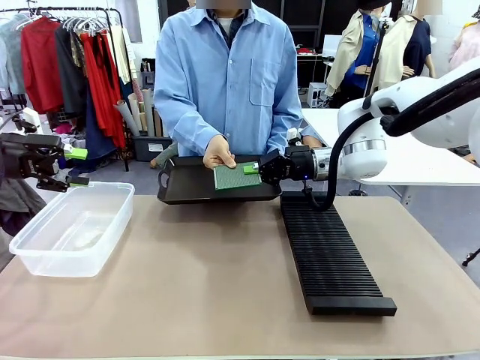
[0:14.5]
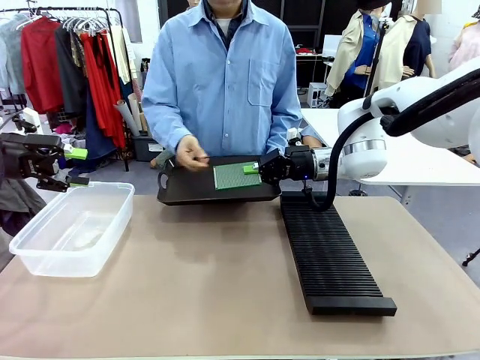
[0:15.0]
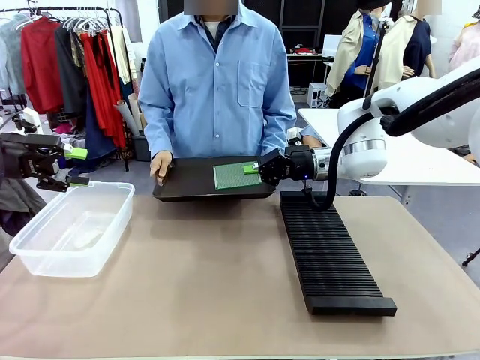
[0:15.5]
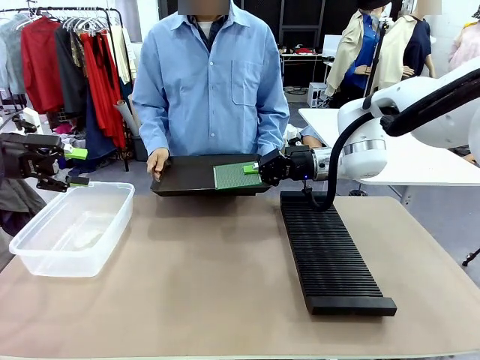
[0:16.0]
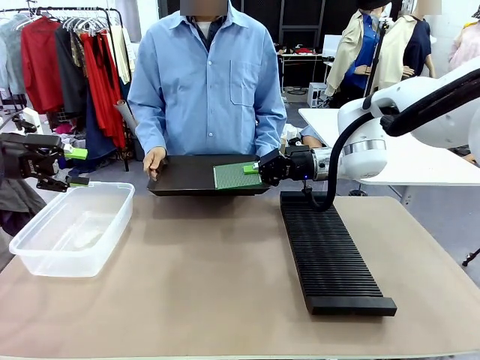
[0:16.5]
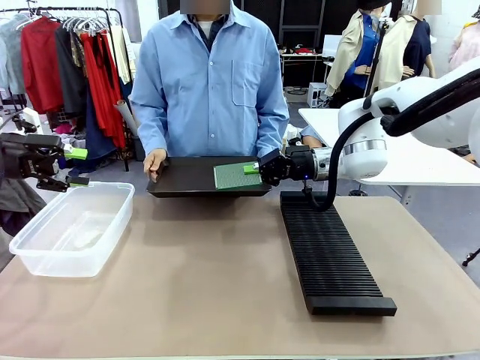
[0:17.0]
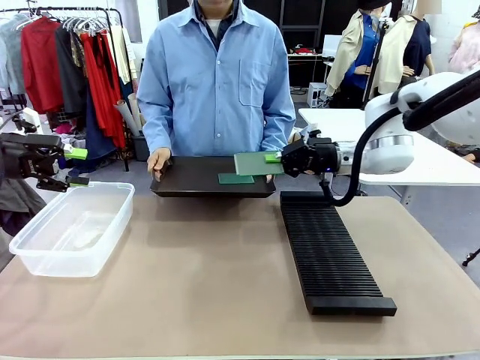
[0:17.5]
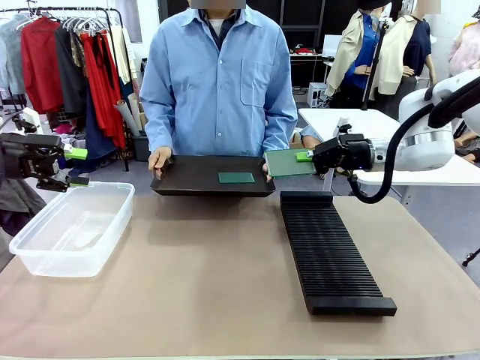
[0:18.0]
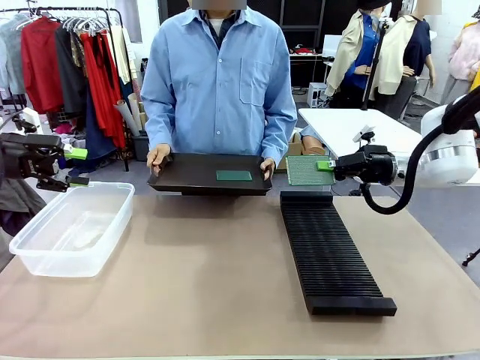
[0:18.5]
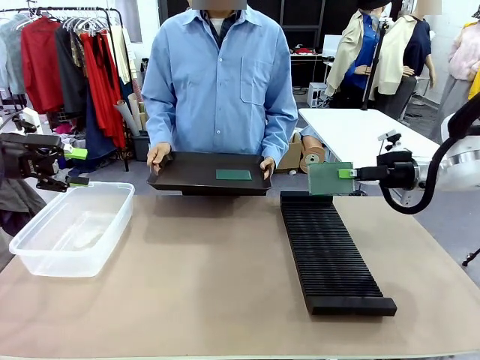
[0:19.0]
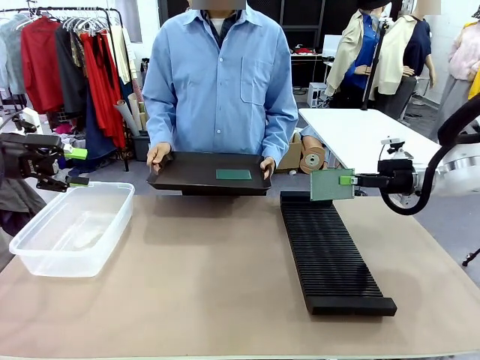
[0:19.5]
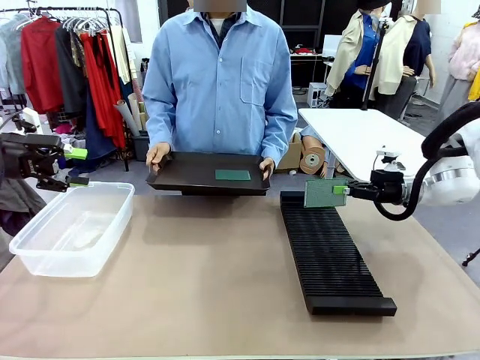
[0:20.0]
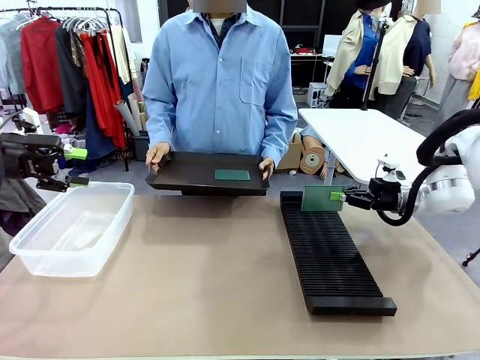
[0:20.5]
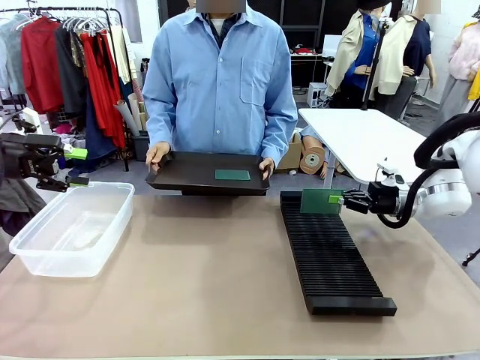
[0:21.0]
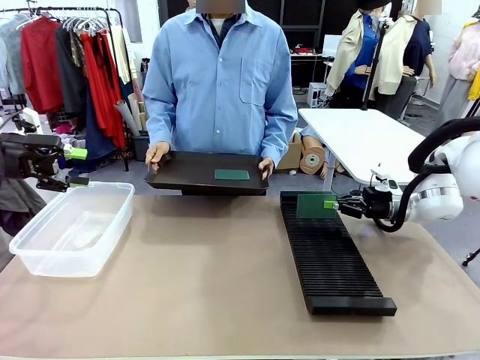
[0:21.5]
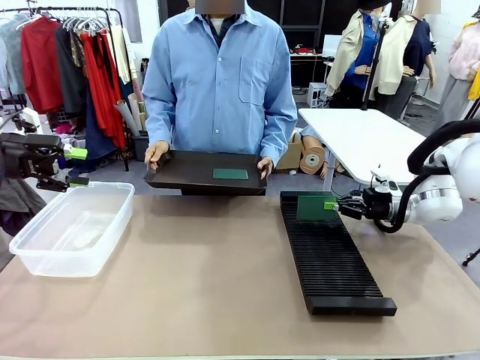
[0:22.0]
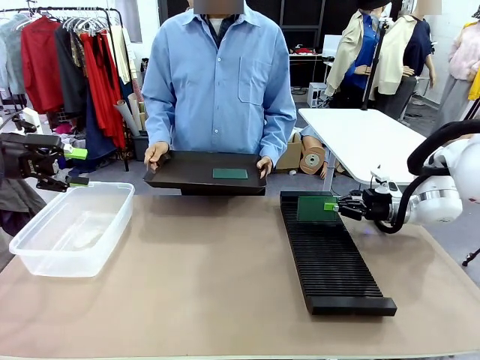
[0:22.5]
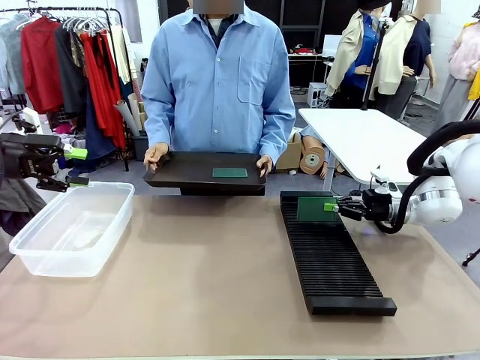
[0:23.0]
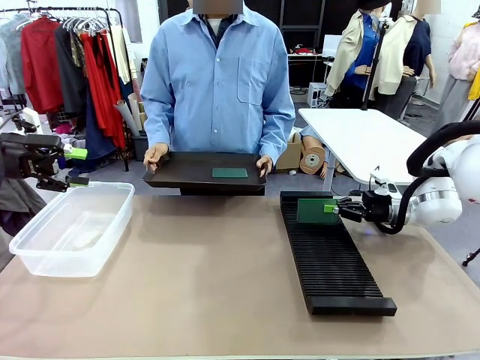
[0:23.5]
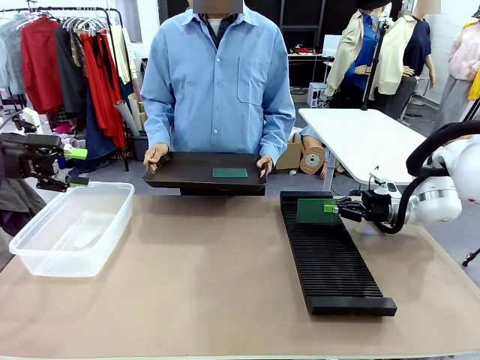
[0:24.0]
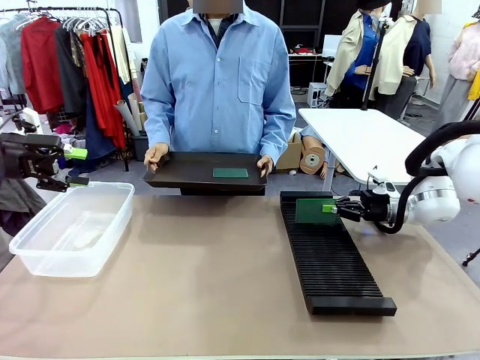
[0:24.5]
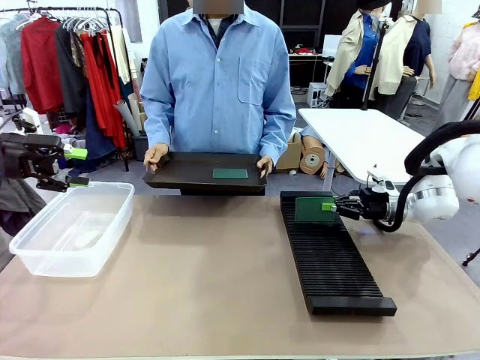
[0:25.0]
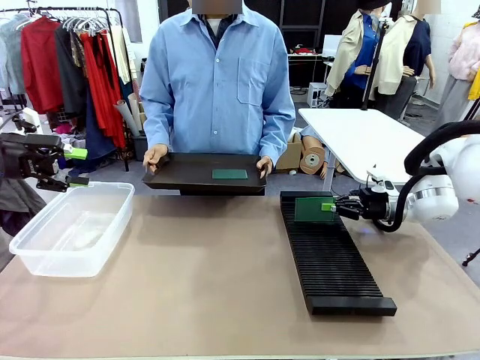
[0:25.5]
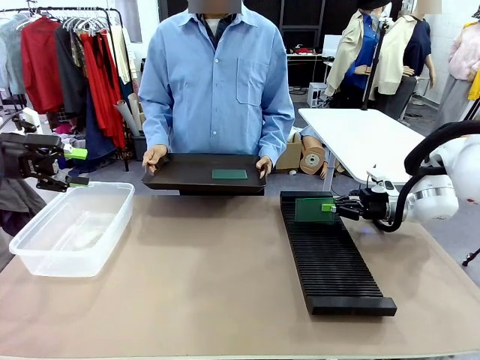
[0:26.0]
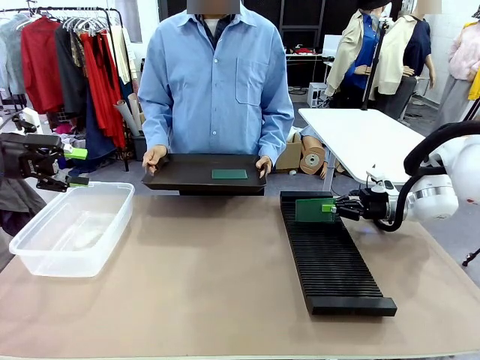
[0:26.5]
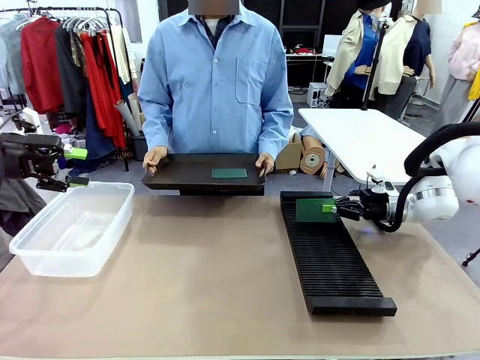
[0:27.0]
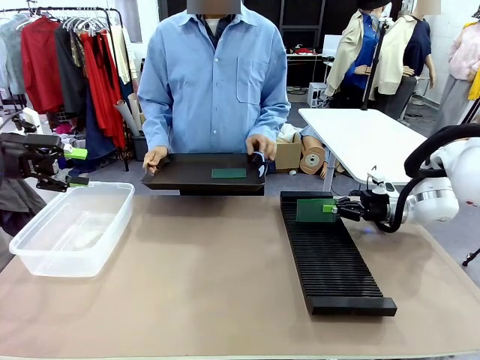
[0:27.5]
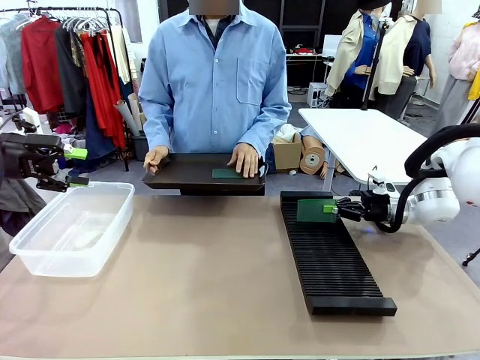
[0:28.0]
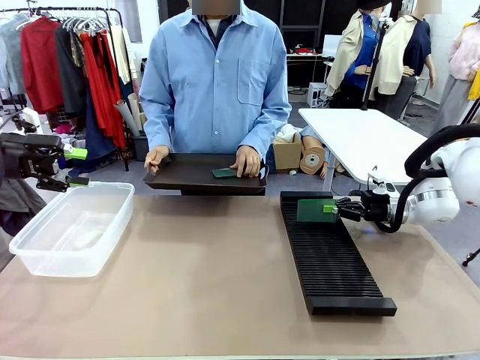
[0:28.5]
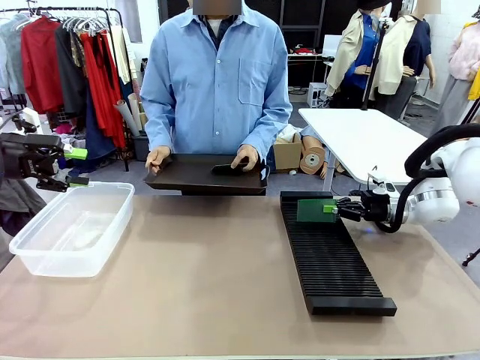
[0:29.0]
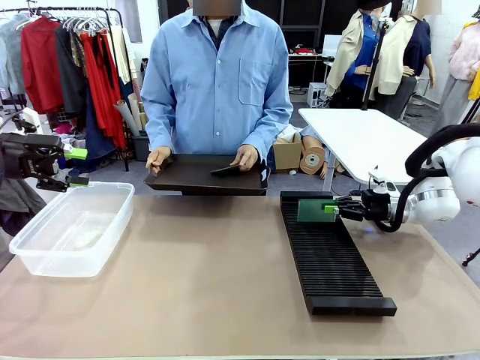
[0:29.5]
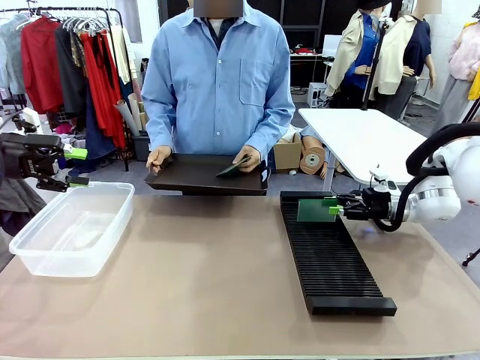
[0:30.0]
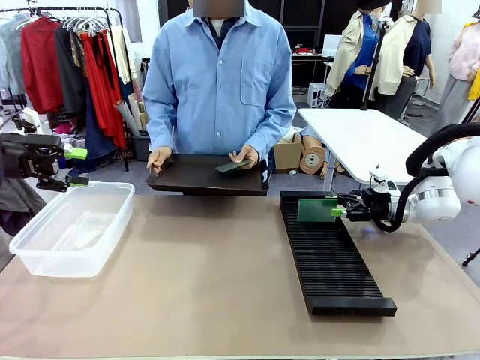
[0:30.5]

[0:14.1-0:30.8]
Task: Sort PCBs into racks and boxes based on the side picked up.
Robot: If the short side of the Blank PCB is picked up, insert it into the PCB Rack ; if the long side is picked up, place it in the Organizing box.
Person: Pick one PCB from the tray and present it to the robot.

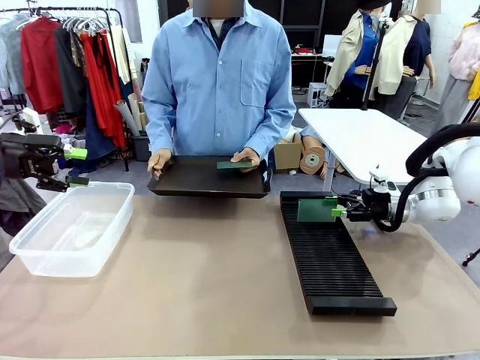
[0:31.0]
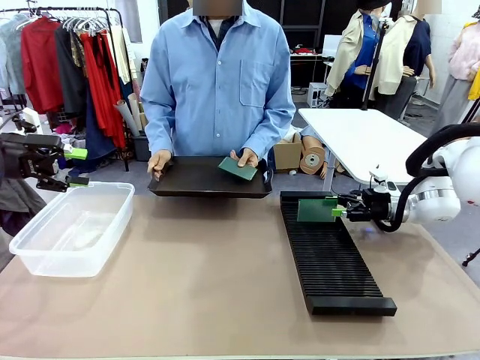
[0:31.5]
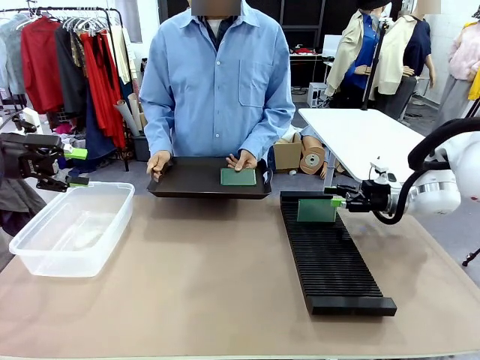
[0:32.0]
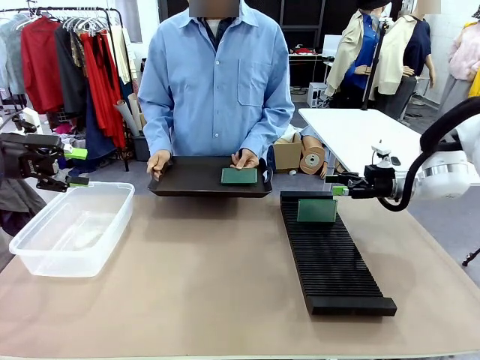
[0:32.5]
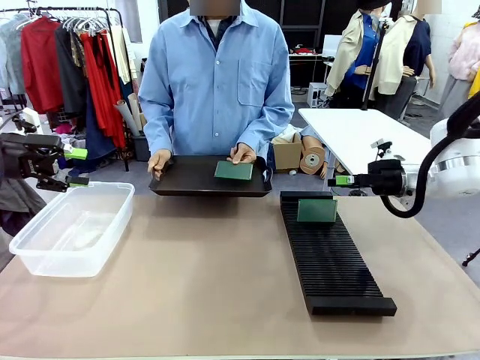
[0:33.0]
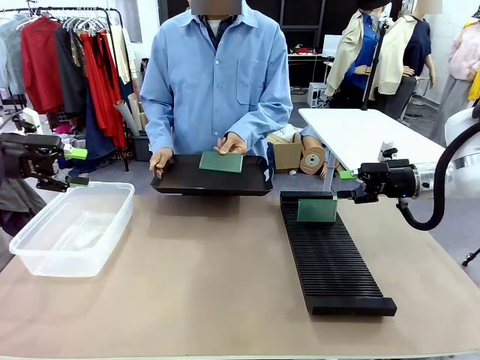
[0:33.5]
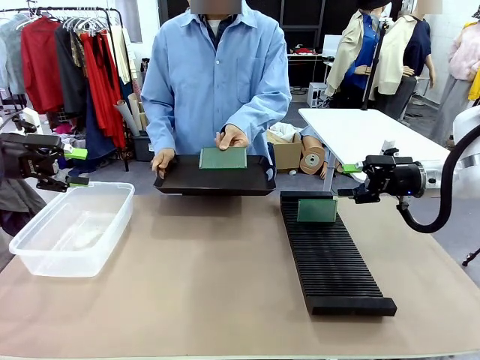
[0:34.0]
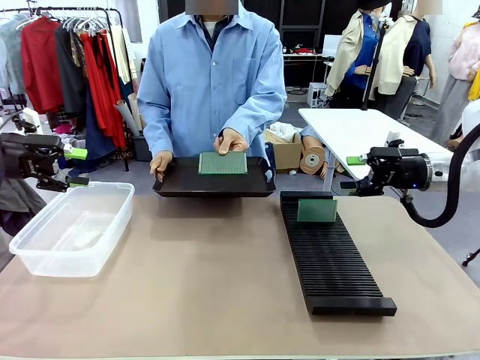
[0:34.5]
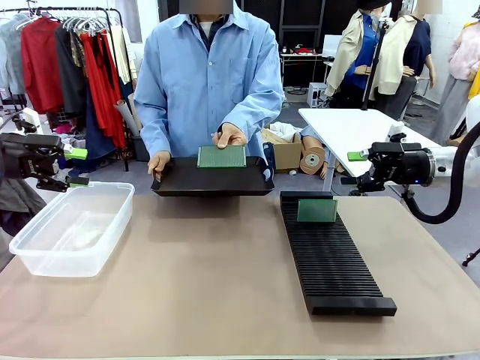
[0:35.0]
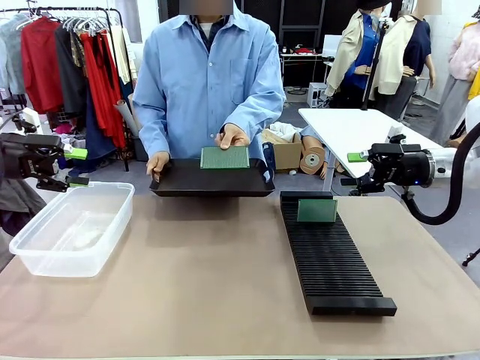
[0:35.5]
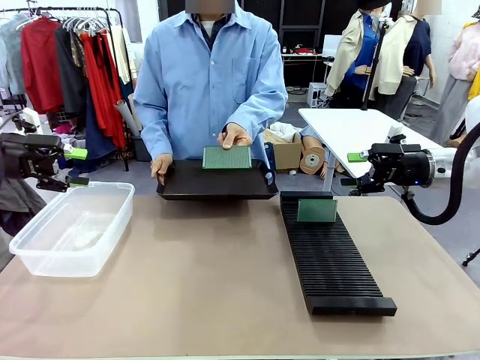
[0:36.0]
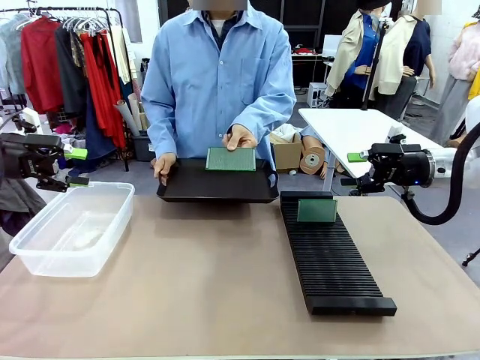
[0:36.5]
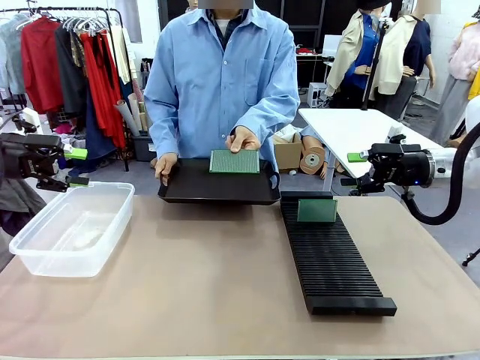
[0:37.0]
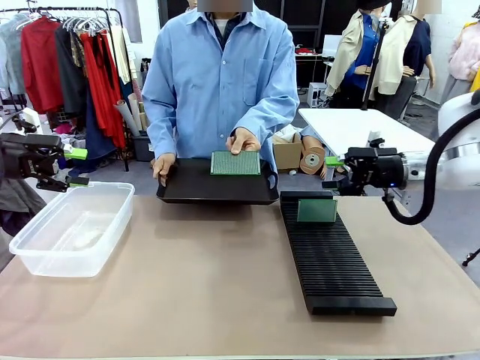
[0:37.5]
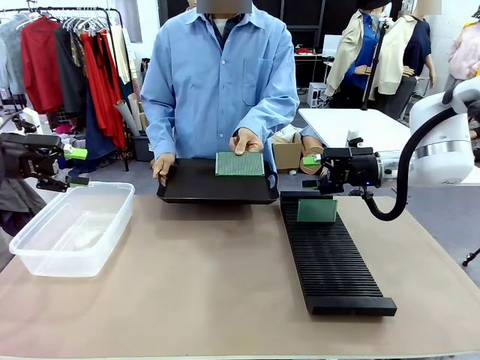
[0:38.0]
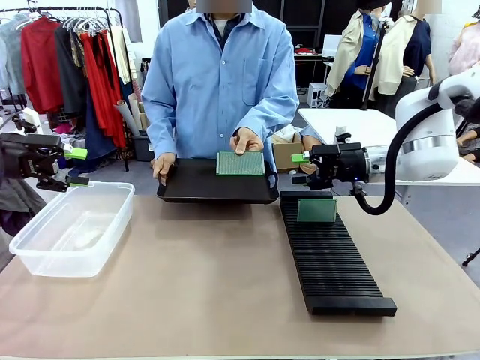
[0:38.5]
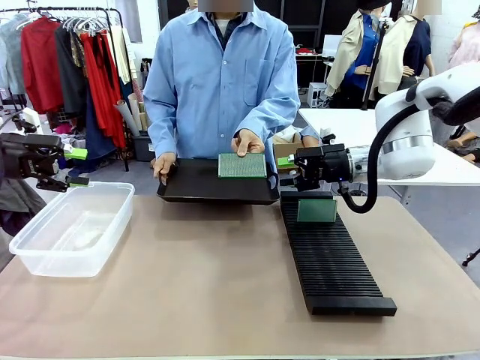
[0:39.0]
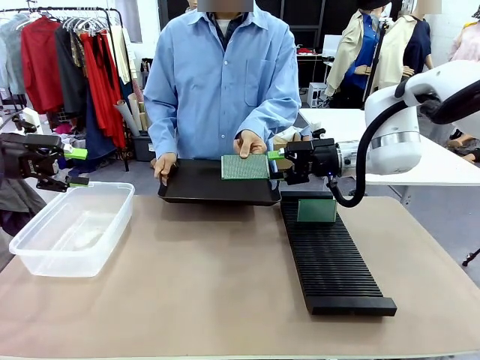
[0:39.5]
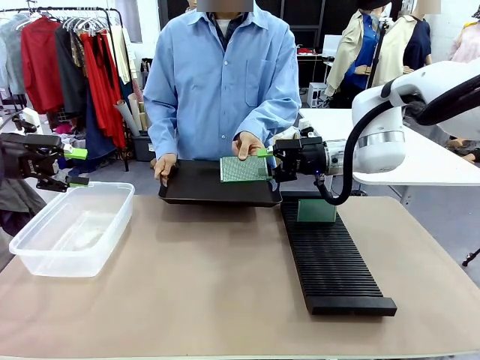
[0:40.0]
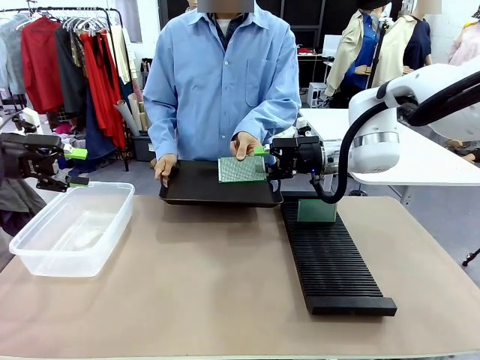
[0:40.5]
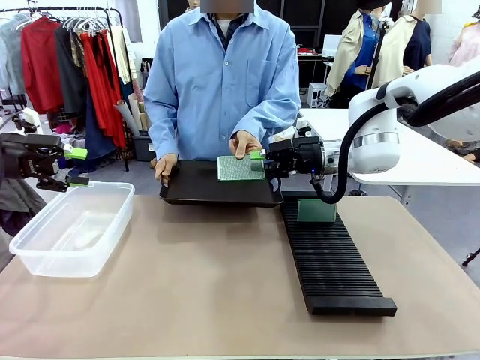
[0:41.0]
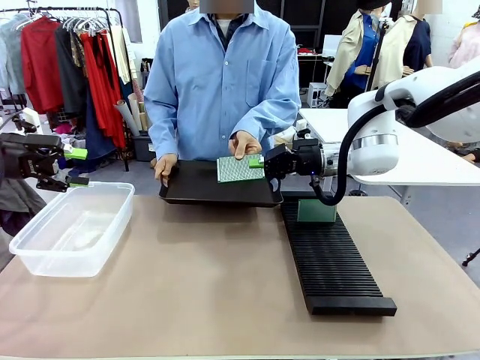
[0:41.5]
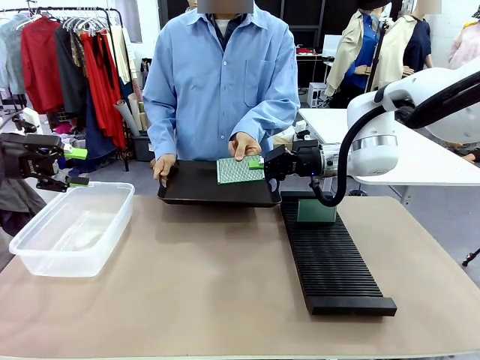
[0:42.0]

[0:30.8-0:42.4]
Robot: Pick up the Blank PCB handed by the Human.
